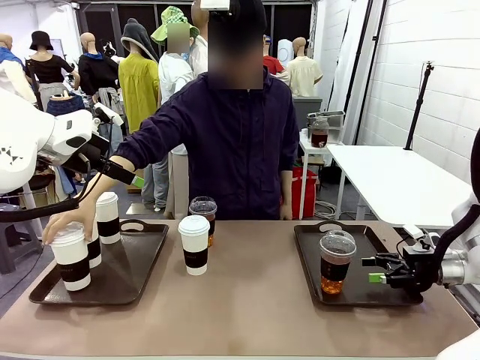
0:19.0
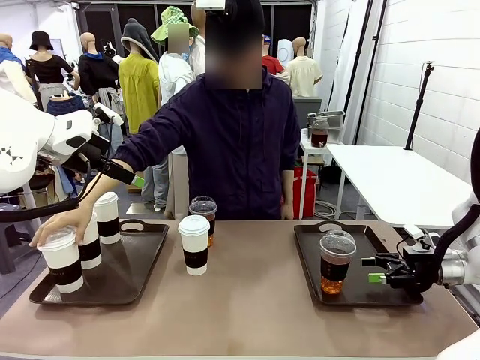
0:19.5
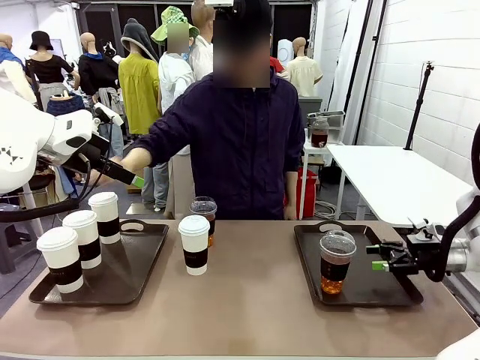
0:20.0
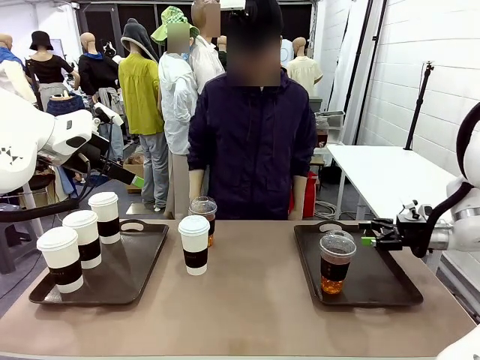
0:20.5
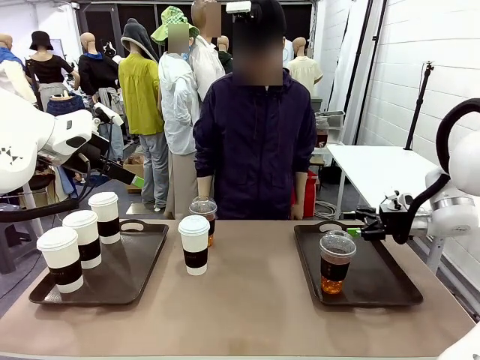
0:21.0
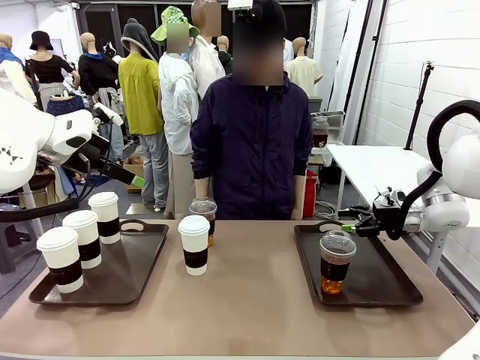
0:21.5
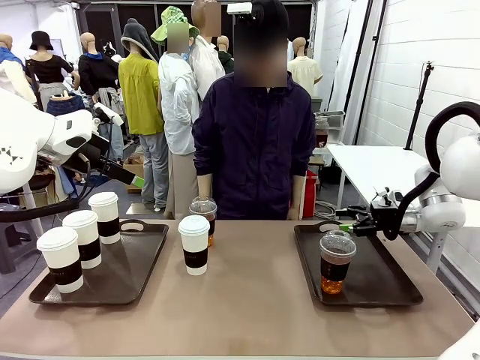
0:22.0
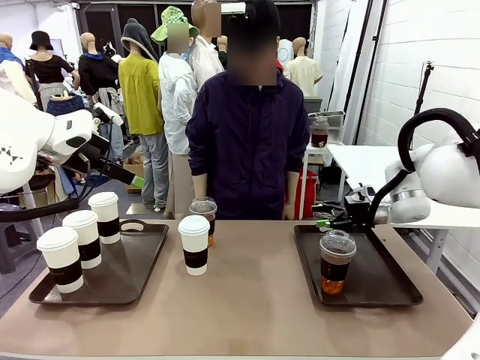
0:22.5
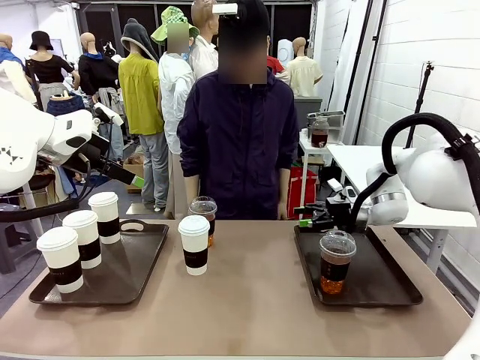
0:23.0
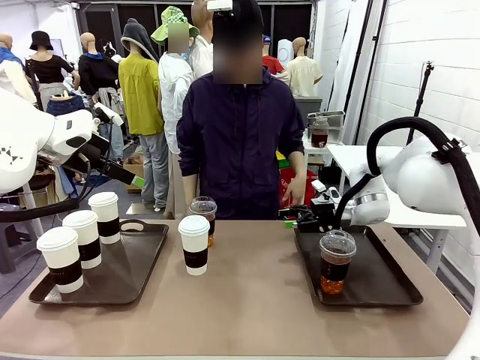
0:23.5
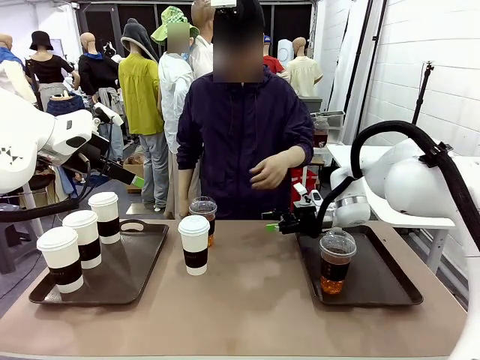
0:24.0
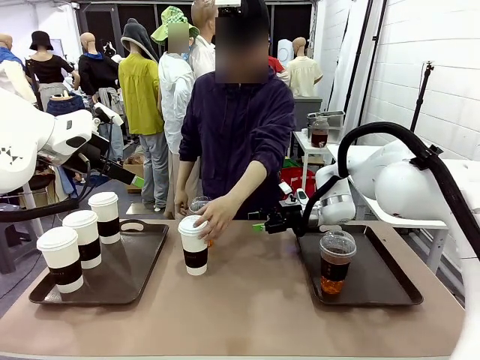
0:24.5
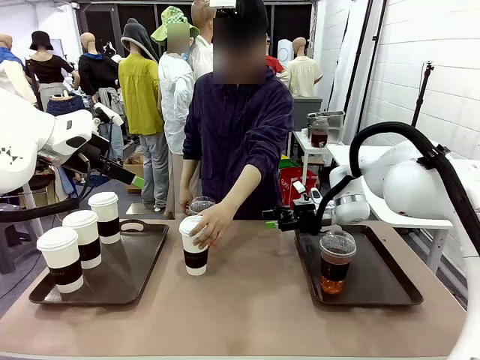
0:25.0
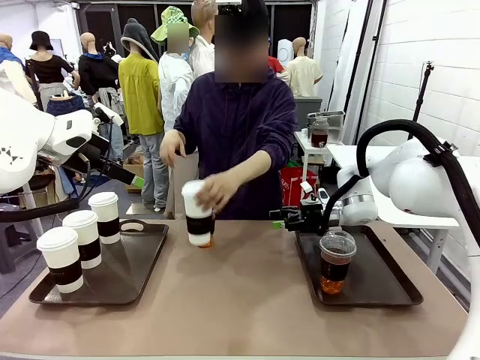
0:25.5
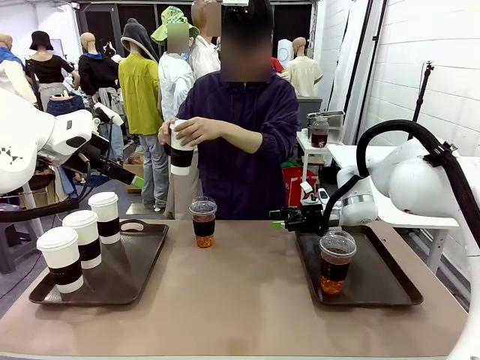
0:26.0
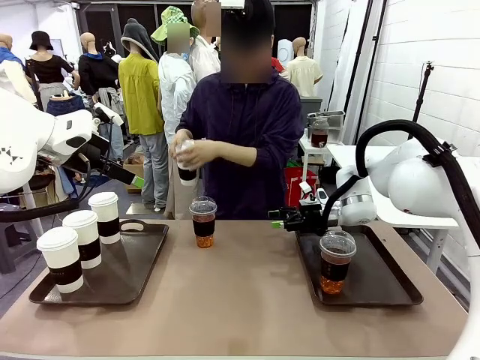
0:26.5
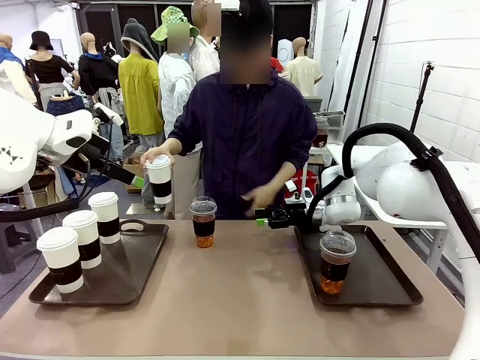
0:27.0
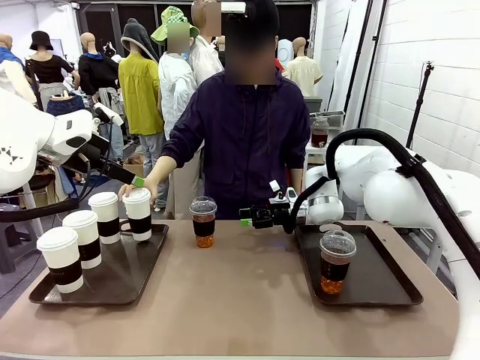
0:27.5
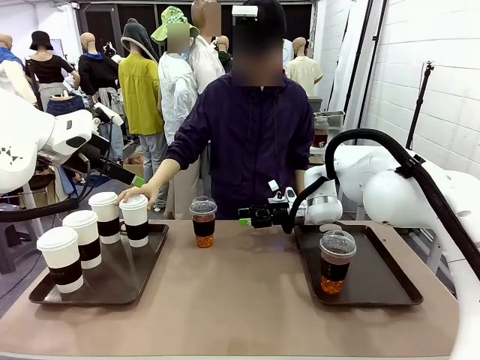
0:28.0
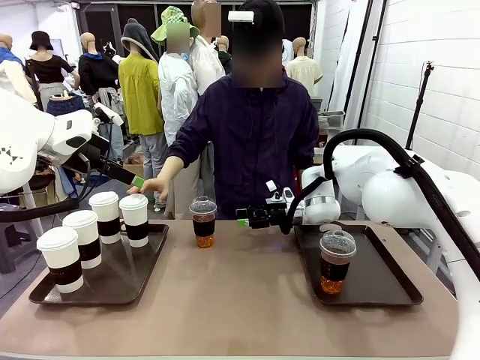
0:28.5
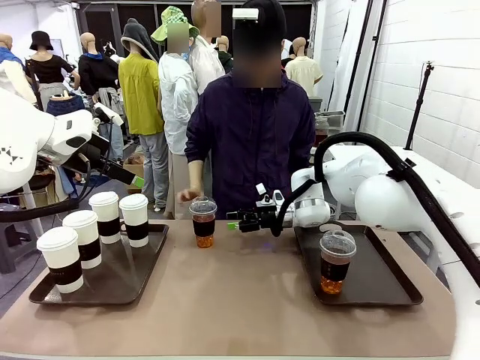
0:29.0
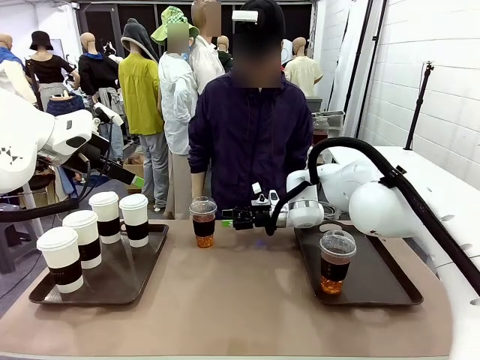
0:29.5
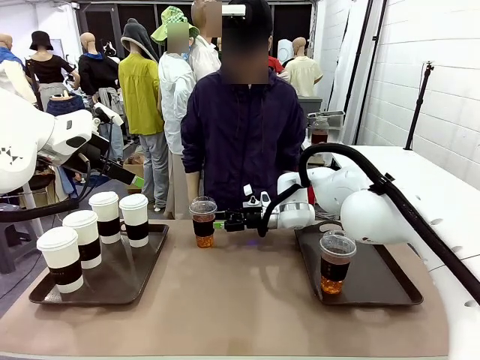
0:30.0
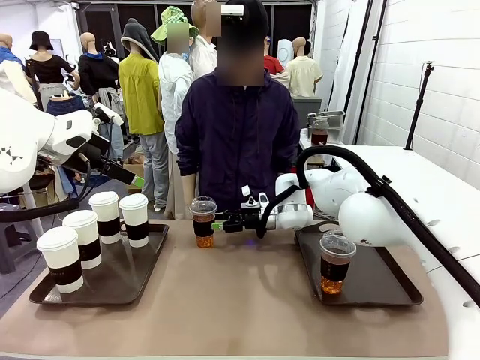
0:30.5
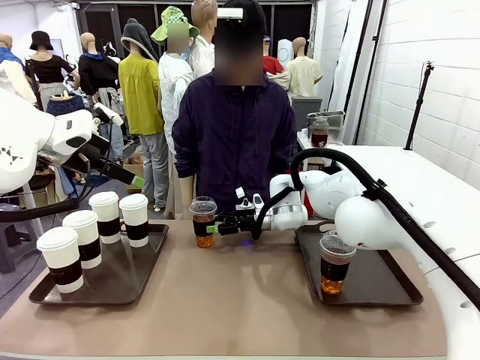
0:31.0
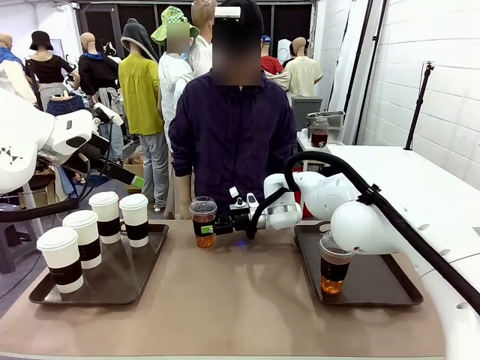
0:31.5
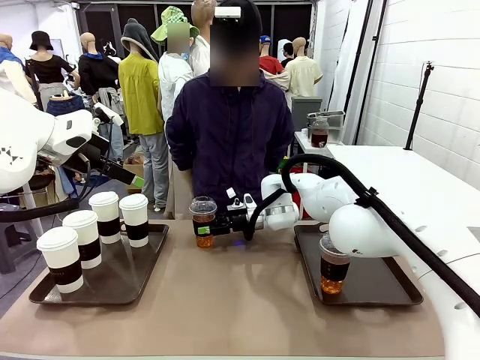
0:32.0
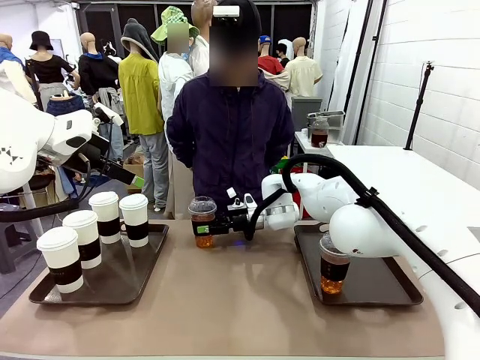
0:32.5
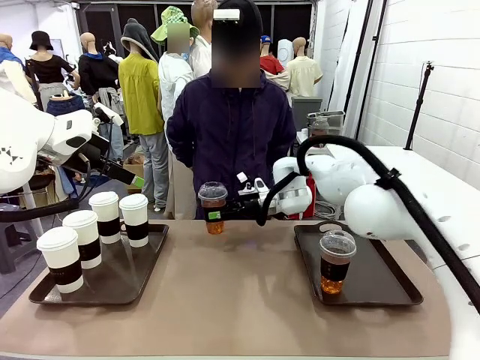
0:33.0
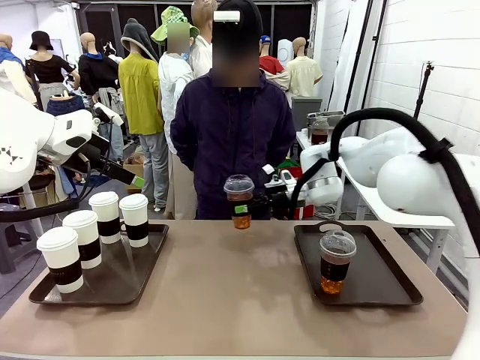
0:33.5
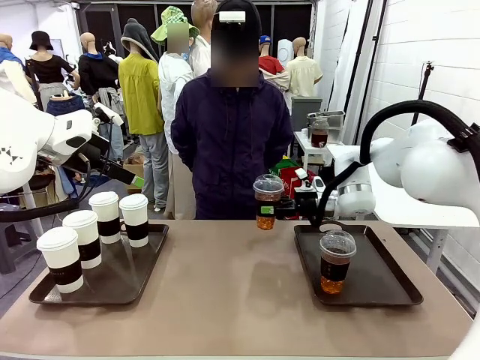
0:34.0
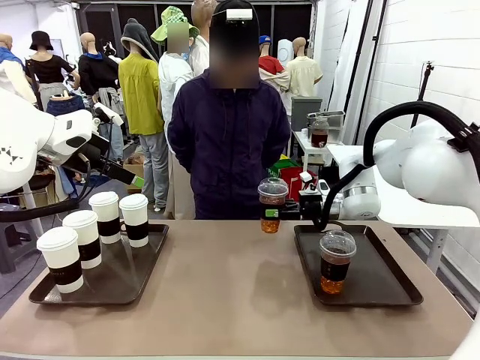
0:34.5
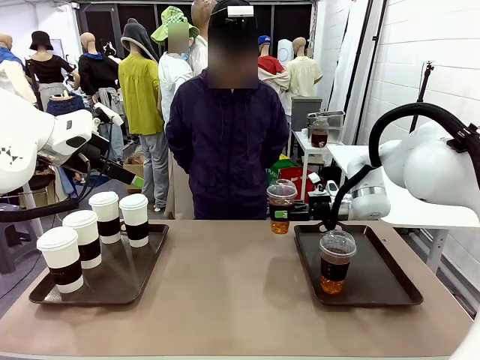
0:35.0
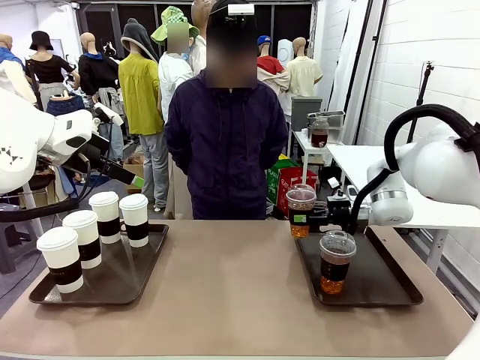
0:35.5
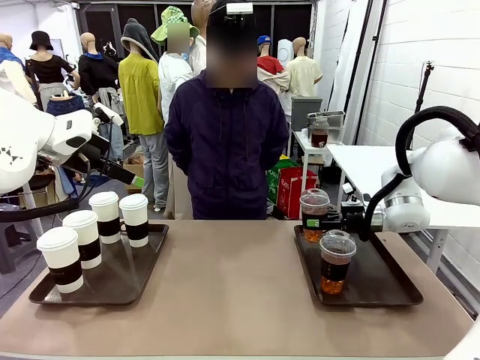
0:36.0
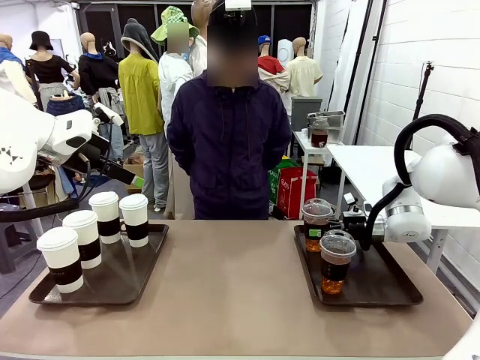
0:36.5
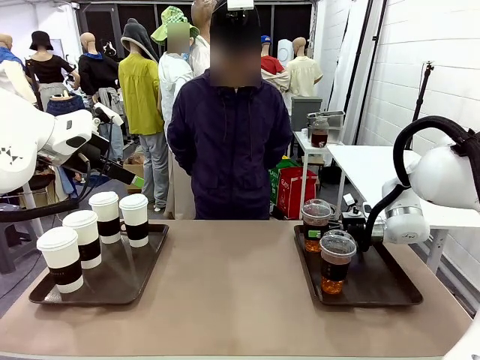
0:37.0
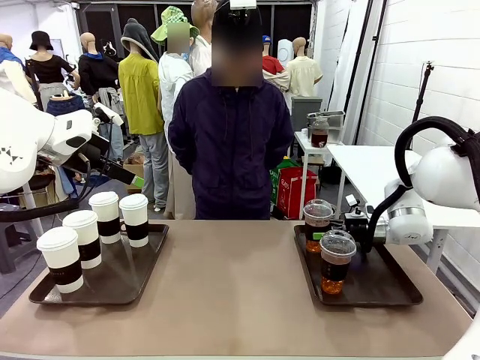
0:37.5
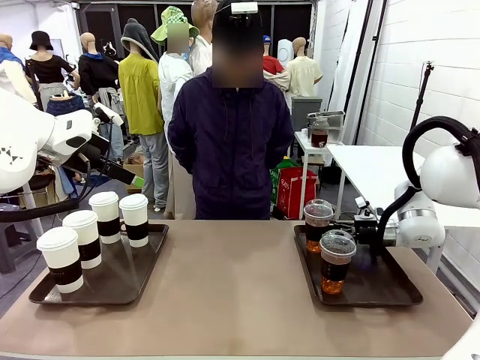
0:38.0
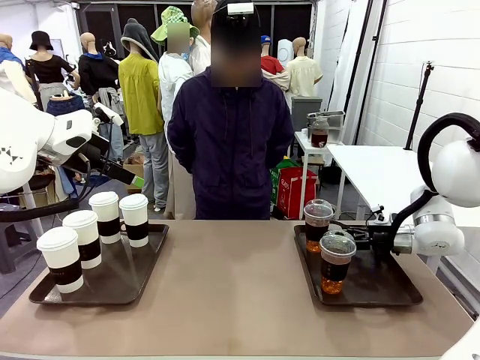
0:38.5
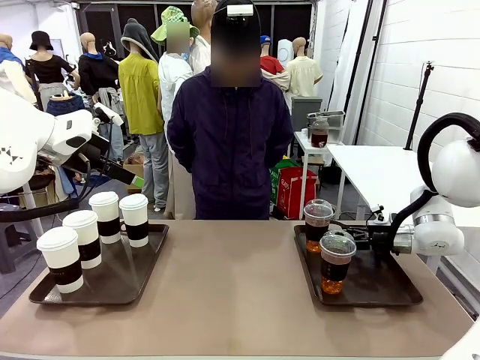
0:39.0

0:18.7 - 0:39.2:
Task: Distribute the coffee onto the tray.
Robot: Pick up another iced Americano from the middle of the table and place it on the right Handle tray.
Person: Pick up a cup of hot Americano from the middle of the table and place it on the right tray.
